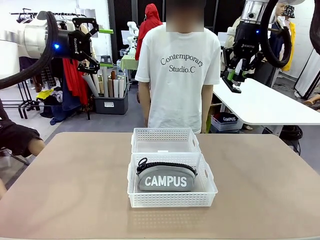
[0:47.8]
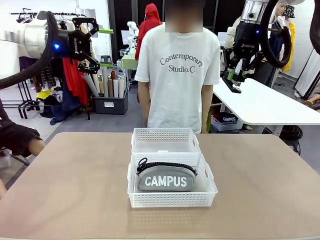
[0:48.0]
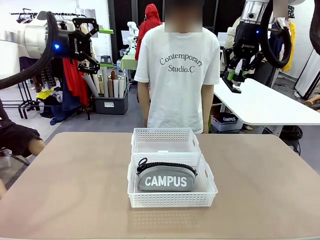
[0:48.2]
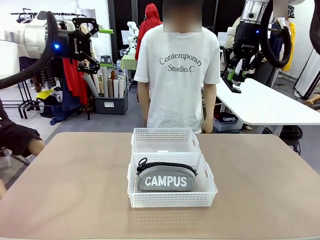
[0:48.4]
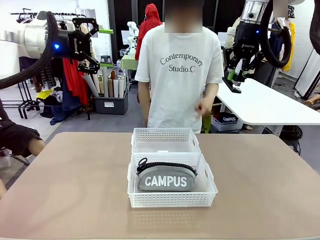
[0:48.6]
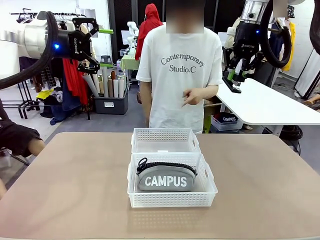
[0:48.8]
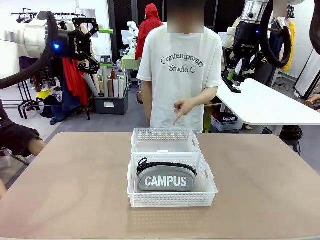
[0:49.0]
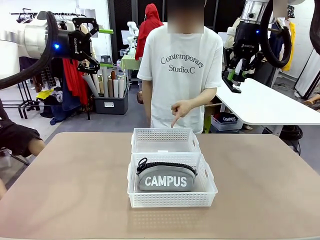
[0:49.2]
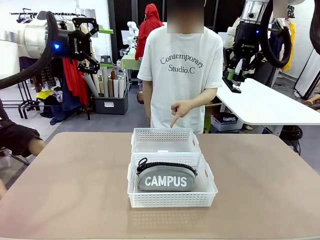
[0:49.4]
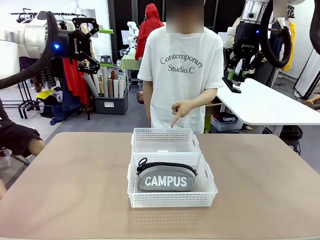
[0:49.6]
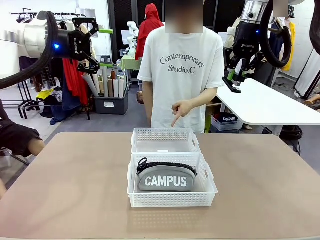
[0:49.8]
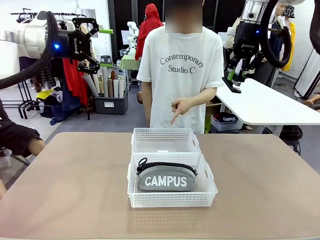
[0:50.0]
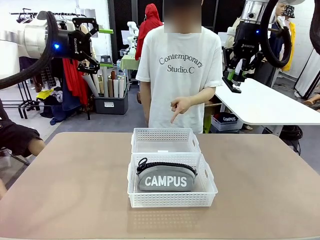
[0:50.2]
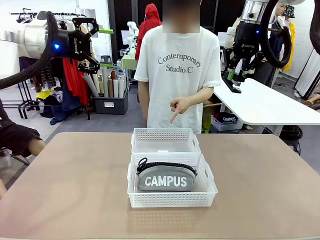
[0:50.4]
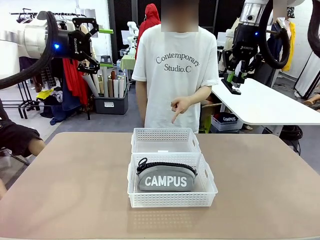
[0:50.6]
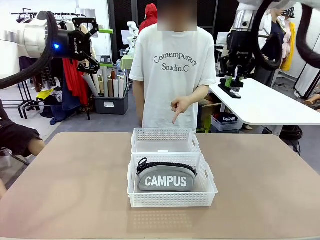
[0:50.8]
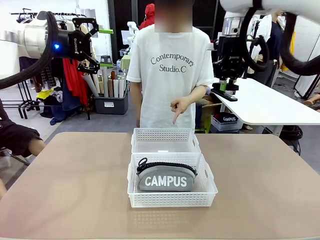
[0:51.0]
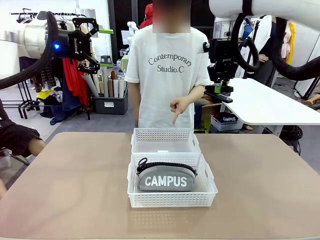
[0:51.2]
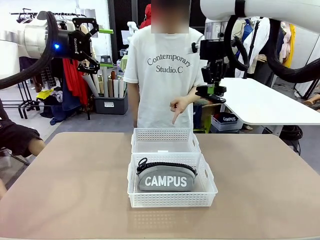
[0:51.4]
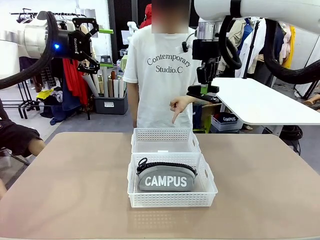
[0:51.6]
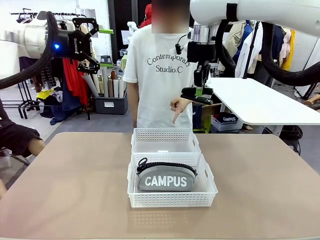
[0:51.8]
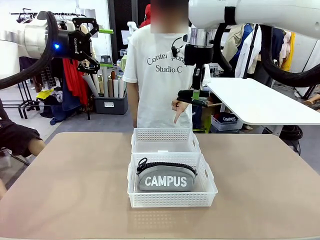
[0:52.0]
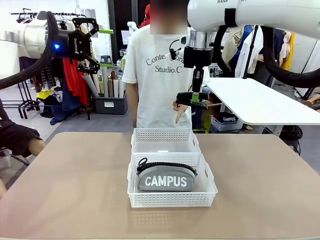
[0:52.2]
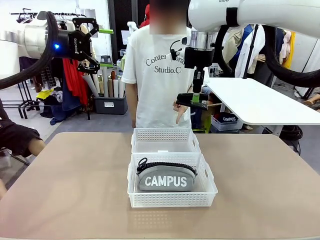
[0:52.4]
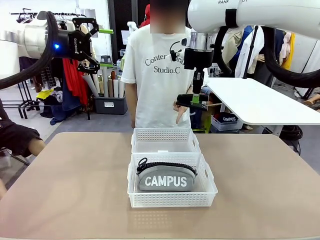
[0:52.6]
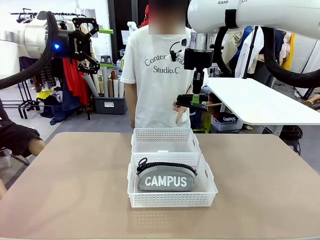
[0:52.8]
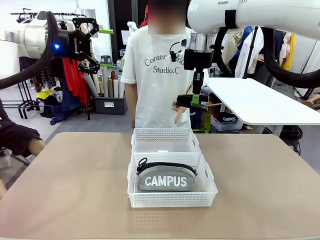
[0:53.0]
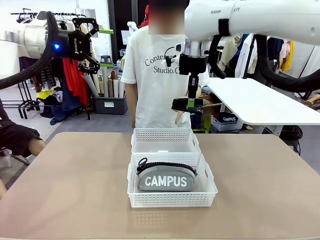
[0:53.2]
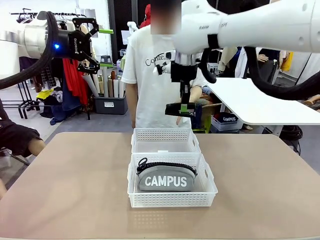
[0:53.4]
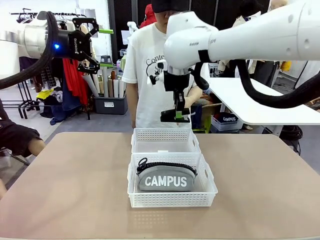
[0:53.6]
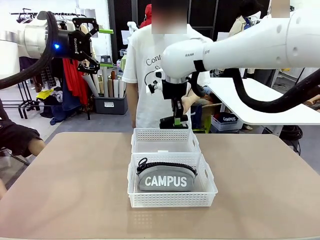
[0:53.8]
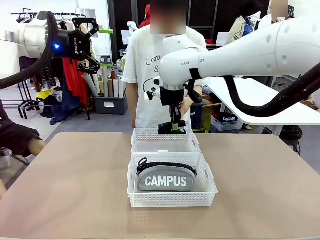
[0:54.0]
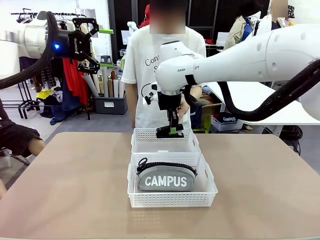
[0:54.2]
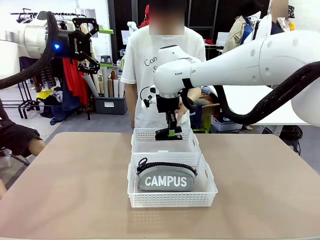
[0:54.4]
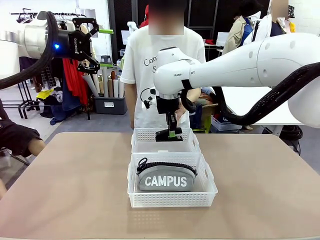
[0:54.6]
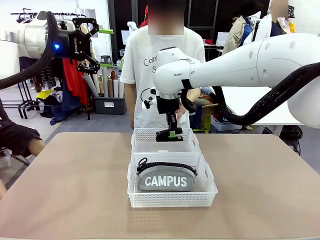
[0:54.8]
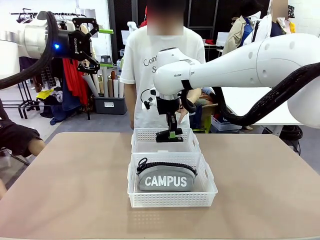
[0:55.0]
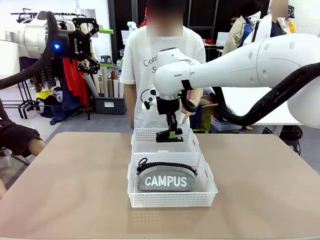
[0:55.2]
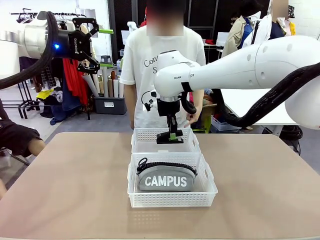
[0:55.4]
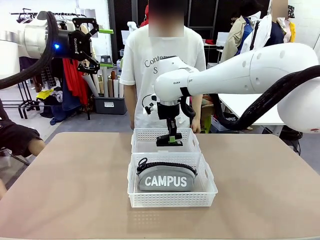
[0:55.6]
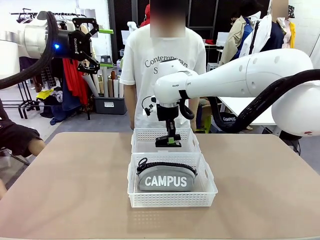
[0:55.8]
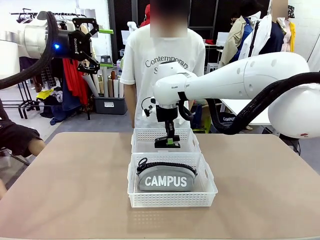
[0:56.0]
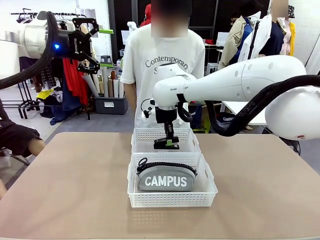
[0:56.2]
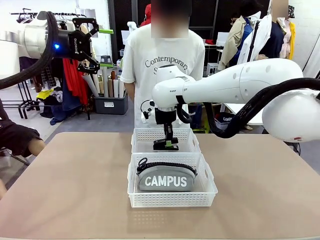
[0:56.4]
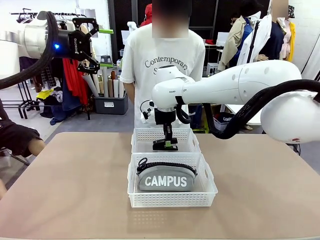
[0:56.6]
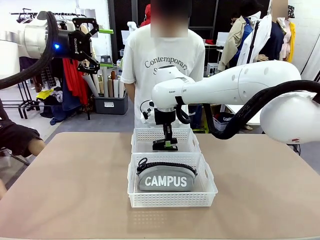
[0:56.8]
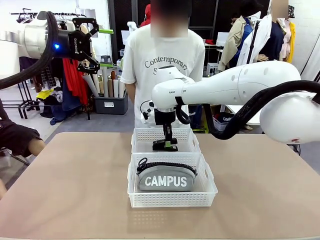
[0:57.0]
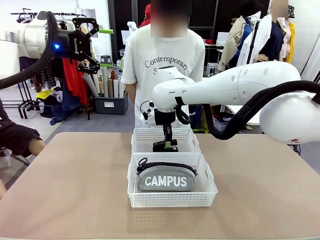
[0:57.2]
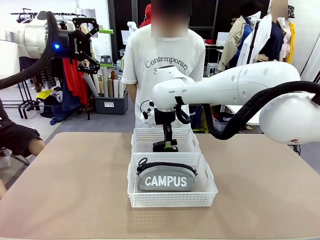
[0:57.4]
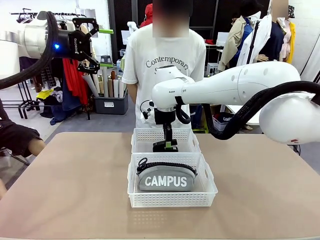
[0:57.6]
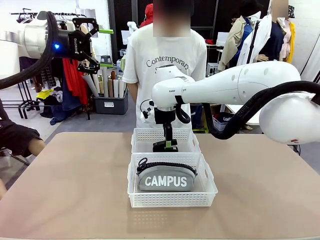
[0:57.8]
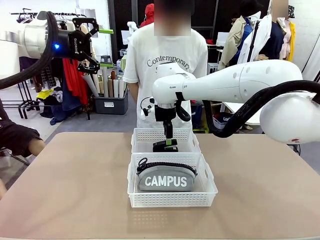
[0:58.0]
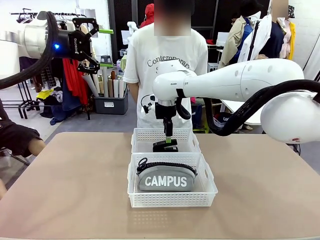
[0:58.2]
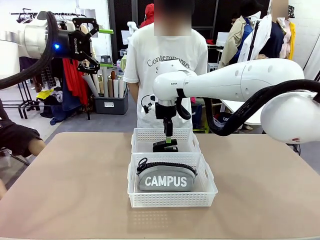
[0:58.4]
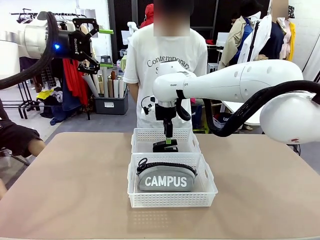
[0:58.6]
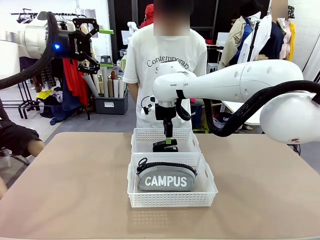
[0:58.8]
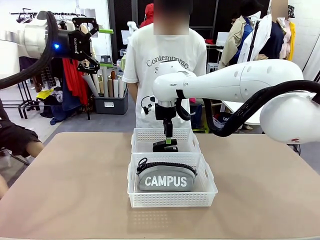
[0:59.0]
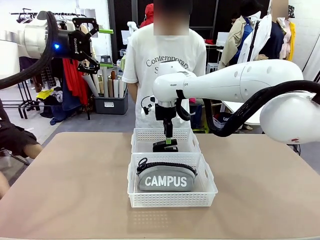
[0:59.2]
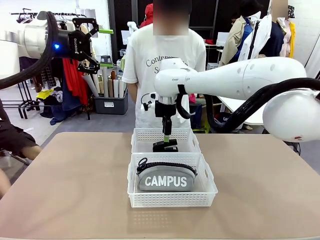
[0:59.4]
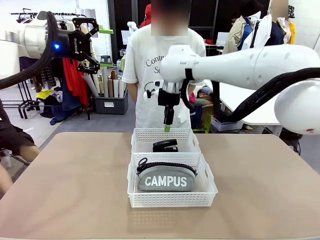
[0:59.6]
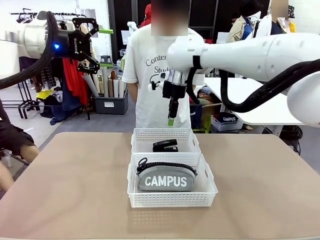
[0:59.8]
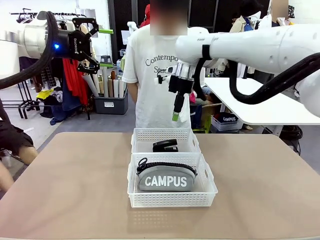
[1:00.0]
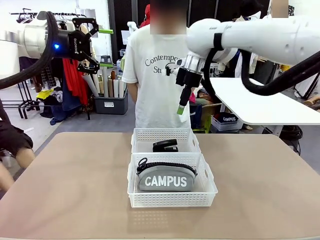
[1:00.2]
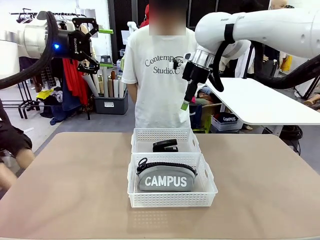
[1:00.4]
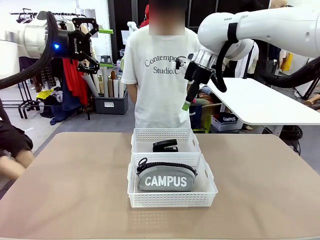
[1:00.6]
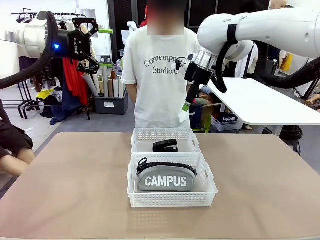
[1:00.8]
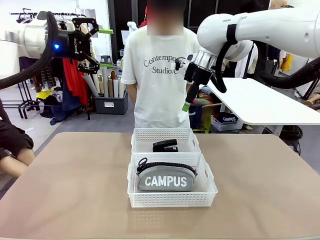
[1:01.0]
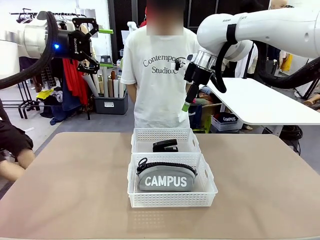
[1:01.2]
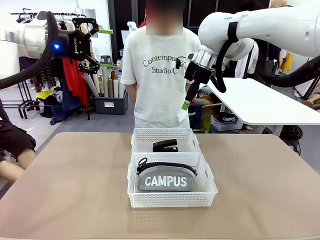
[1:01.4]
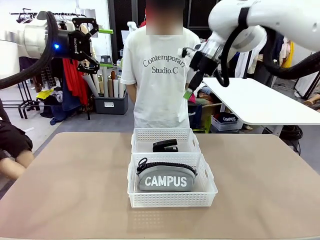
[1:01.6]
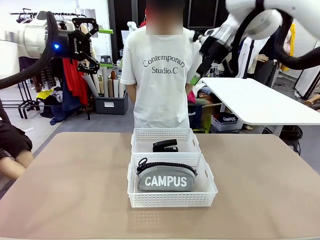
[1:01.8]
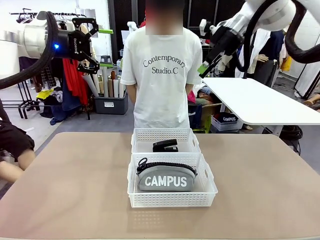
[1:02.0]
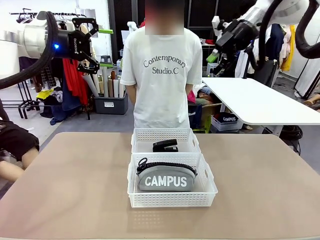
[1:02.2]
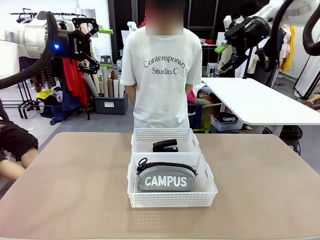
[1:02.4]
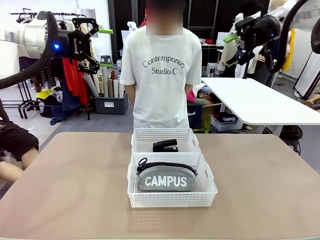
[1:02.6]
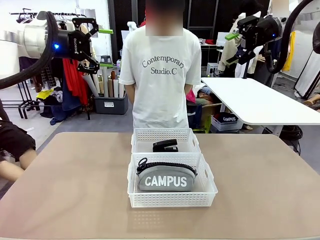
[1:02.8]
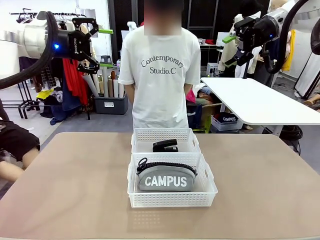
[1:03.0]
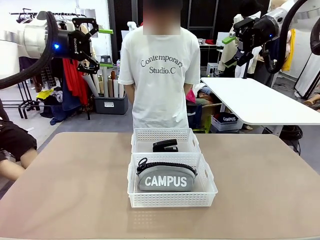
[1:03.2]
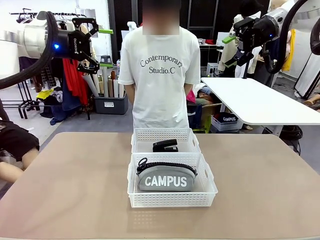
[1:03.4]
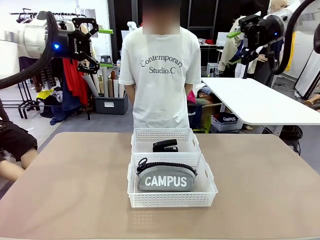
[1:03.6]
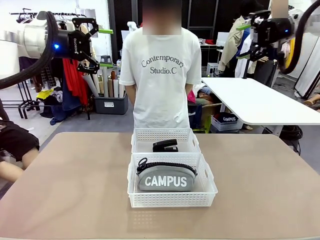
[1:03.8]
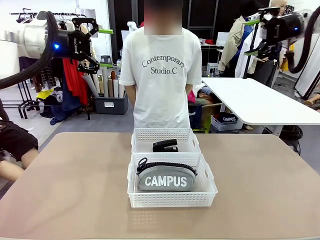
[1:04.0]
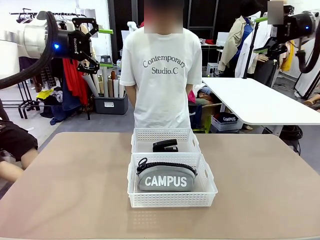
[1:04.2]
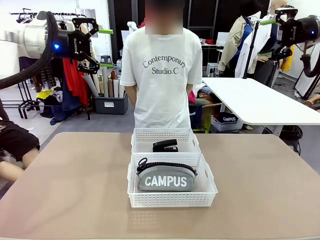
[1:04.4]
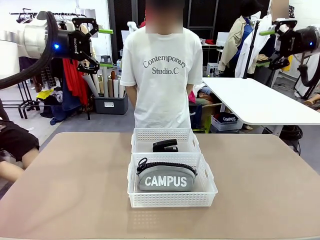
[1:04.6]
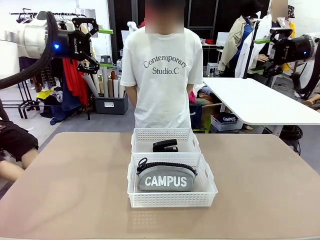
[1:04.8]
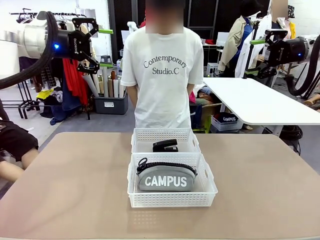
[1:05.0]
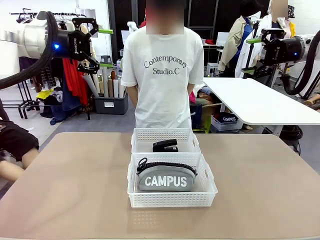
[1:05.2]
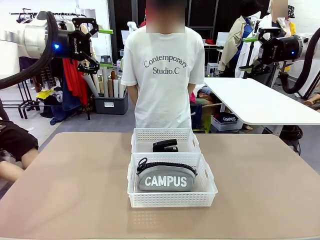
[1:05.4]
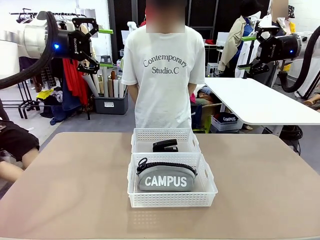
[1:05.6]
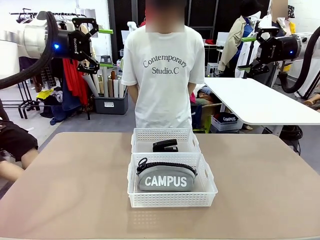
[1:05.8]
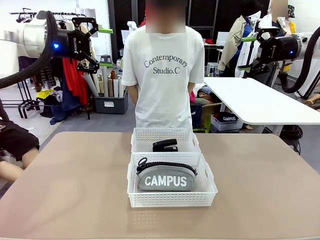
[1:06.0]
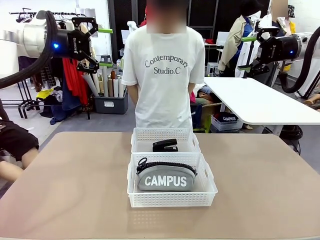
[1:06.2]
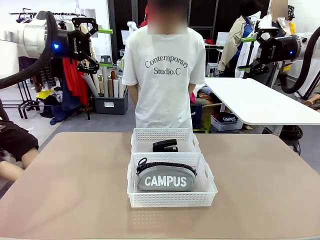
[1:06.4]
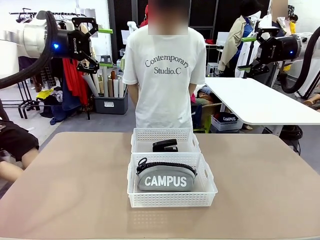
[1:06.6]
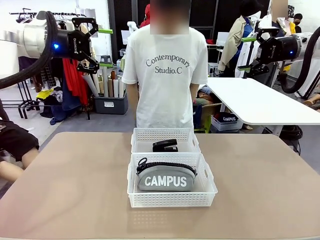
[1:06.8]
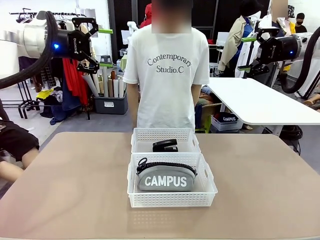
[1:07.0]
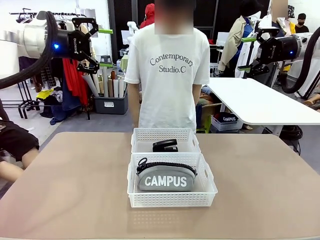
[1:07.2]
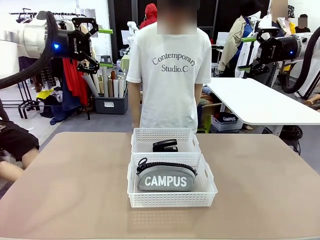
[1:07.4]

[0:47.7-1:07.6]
Task: Distribute items into two baskets.
Robot: Place the picked Stapler into the Organizing basket as instructed by the person.
Person: Points to the basket that does not contain the pencil case and instructs the robot to move the stapler there.
